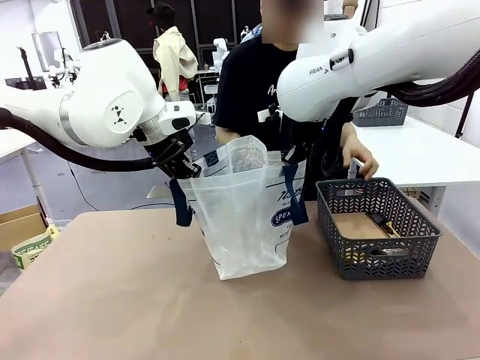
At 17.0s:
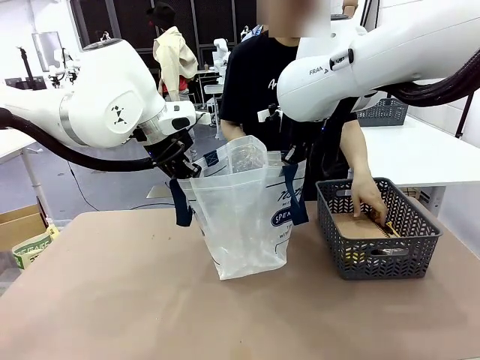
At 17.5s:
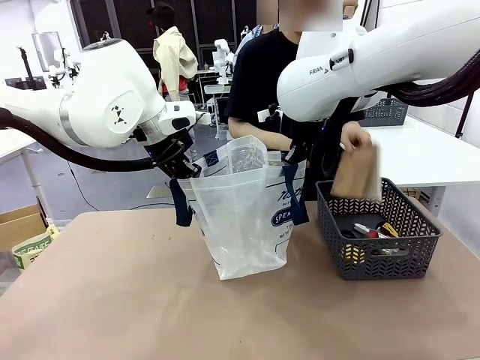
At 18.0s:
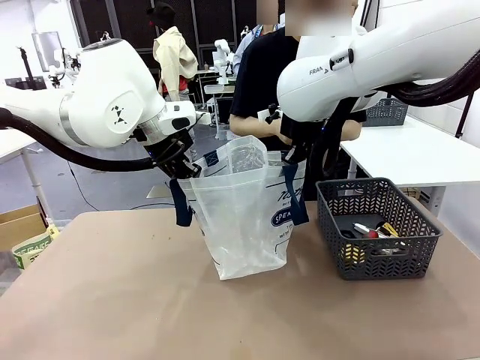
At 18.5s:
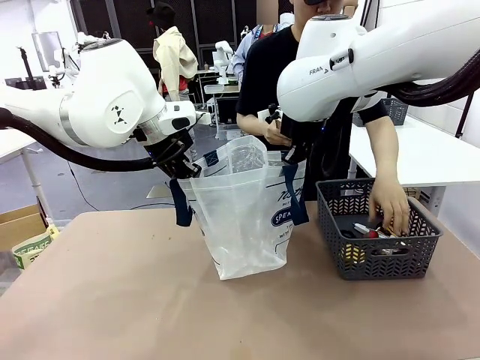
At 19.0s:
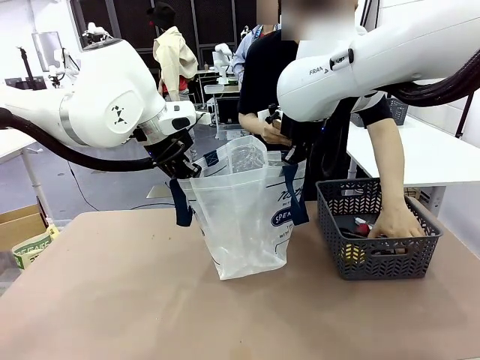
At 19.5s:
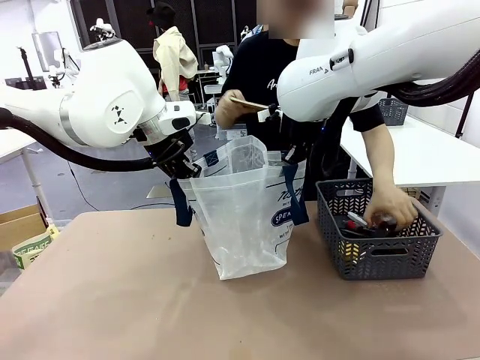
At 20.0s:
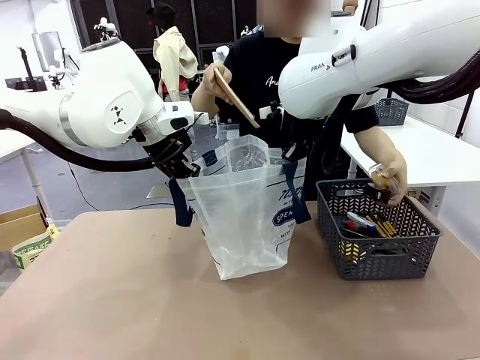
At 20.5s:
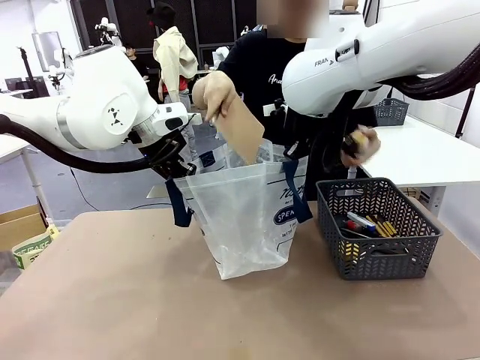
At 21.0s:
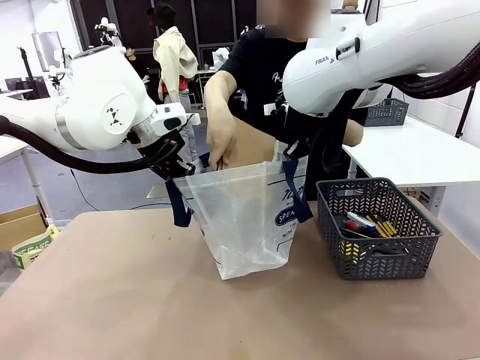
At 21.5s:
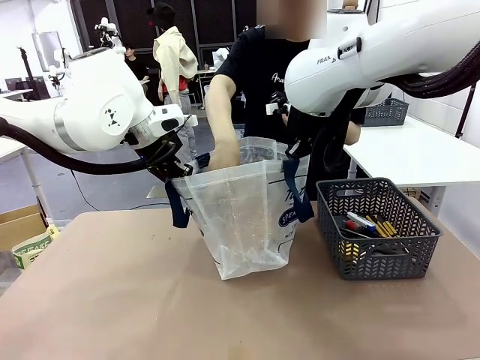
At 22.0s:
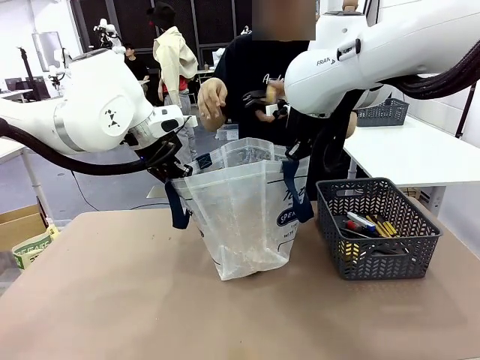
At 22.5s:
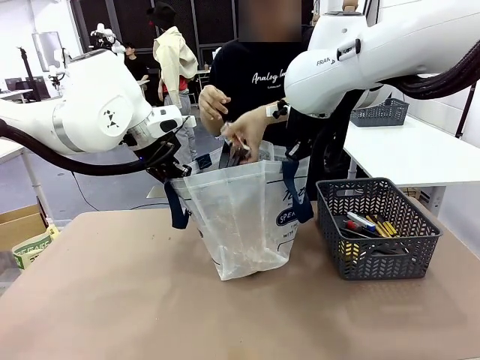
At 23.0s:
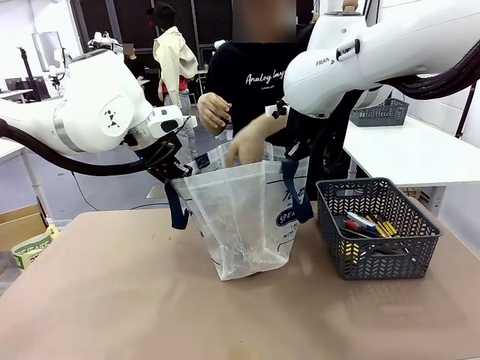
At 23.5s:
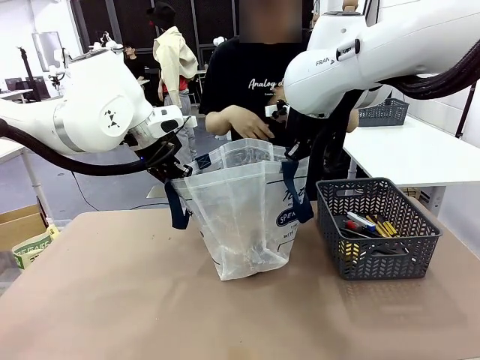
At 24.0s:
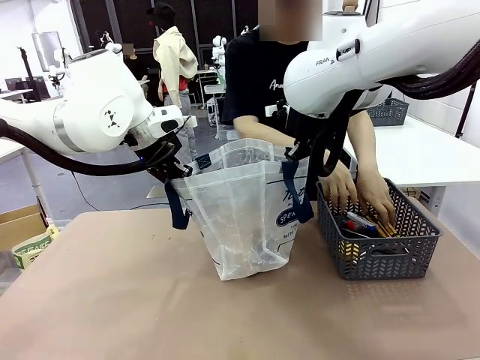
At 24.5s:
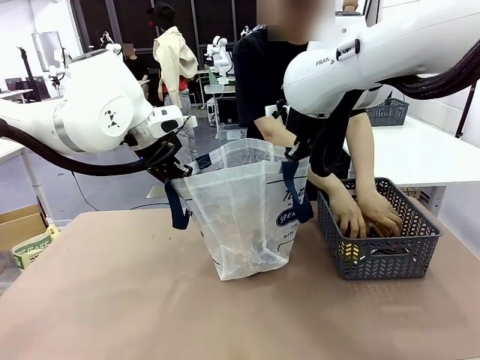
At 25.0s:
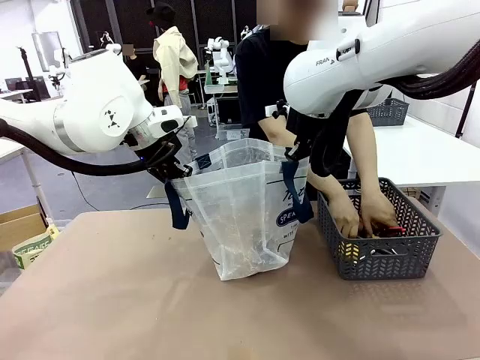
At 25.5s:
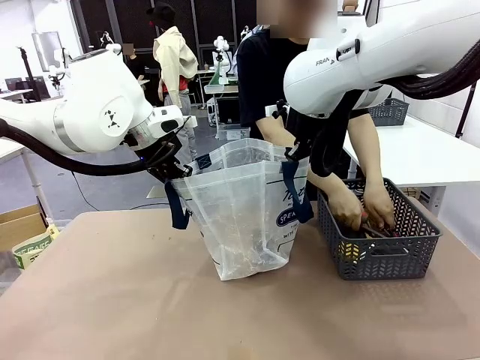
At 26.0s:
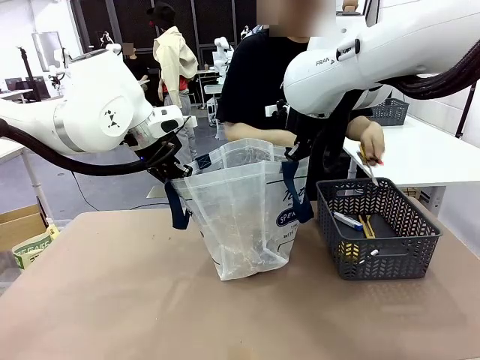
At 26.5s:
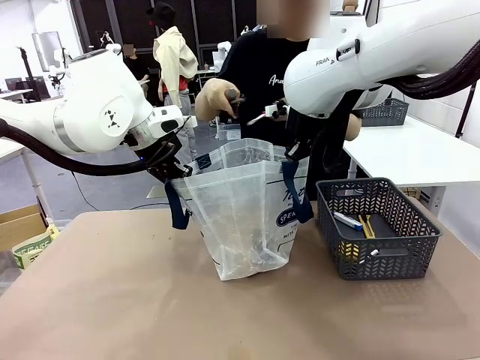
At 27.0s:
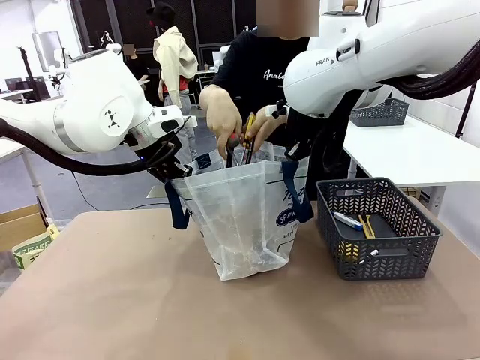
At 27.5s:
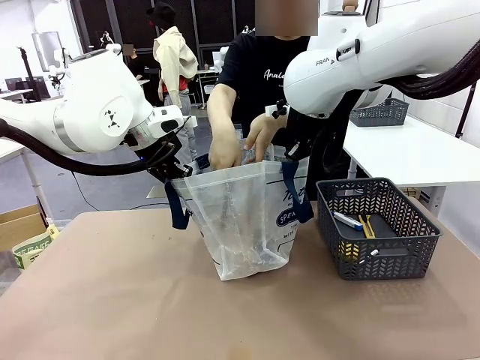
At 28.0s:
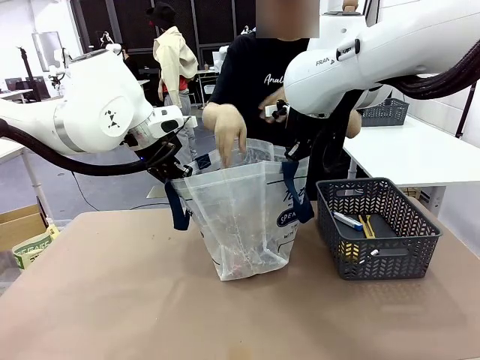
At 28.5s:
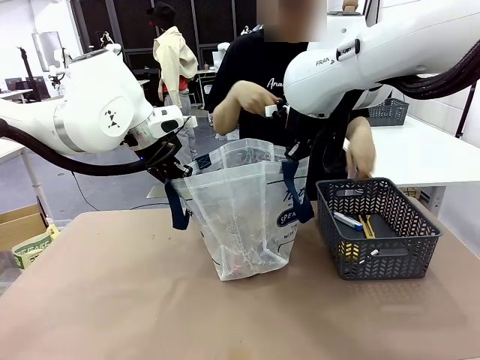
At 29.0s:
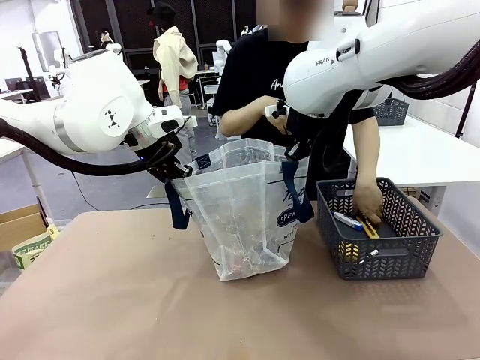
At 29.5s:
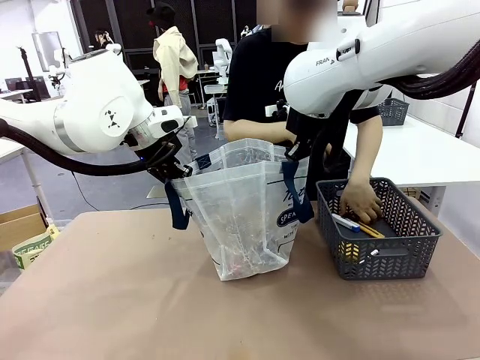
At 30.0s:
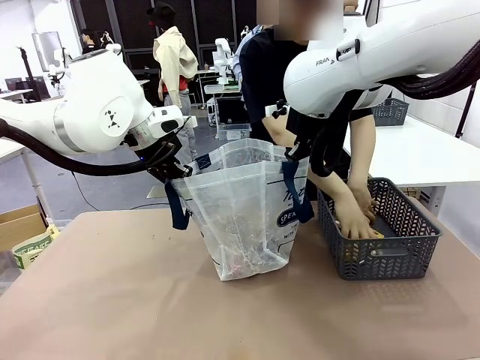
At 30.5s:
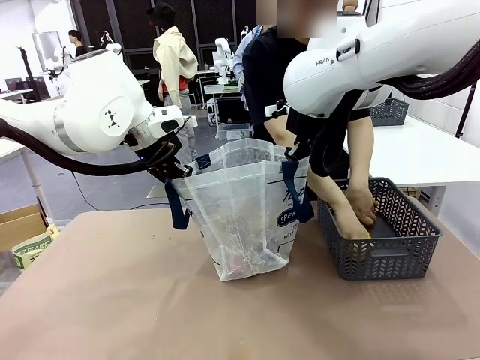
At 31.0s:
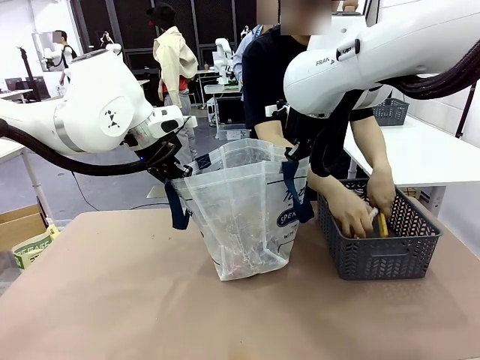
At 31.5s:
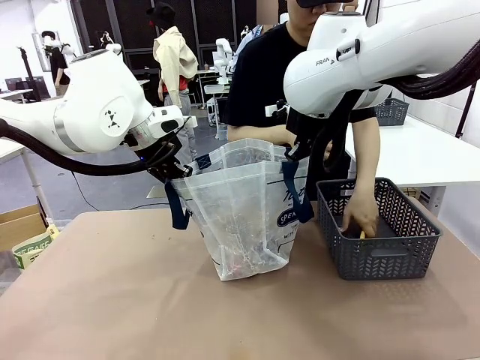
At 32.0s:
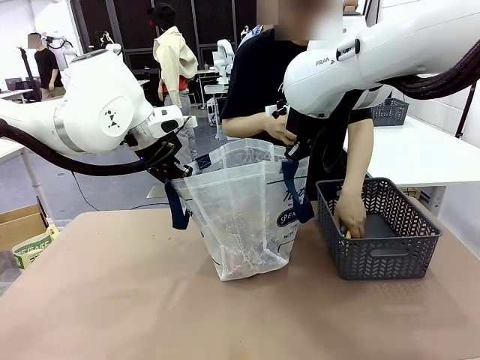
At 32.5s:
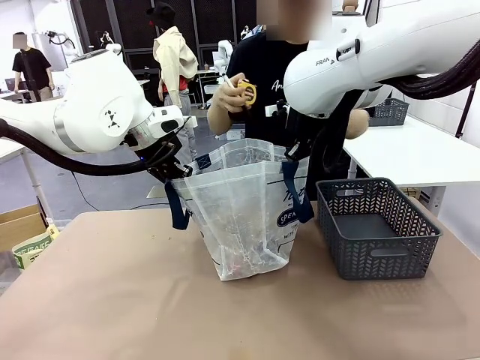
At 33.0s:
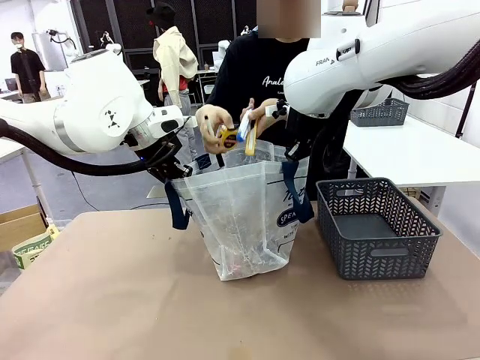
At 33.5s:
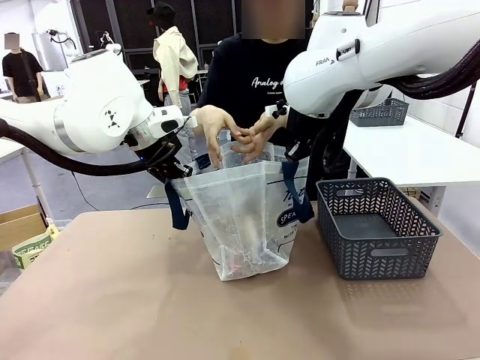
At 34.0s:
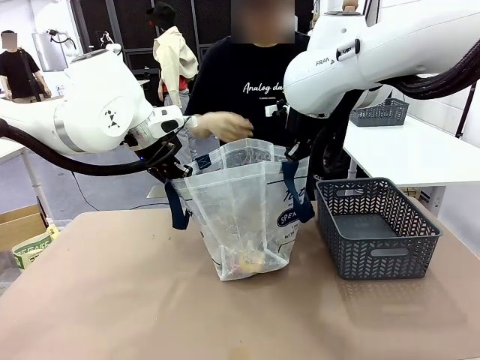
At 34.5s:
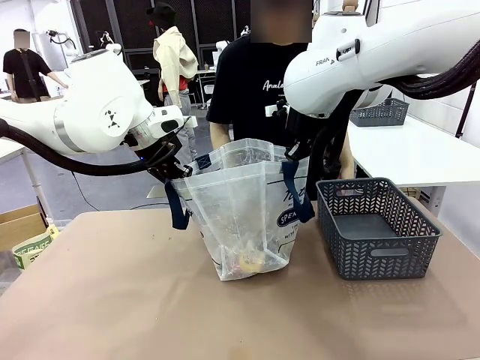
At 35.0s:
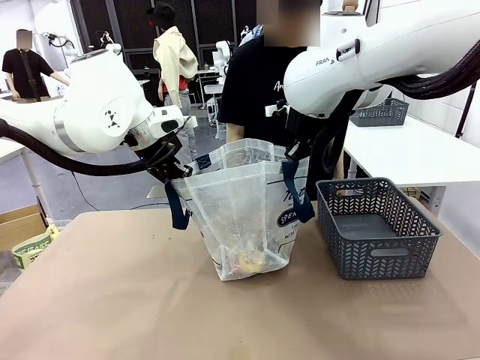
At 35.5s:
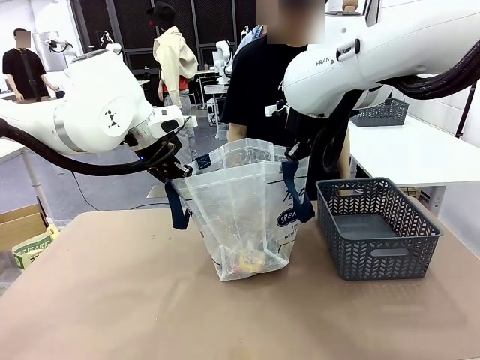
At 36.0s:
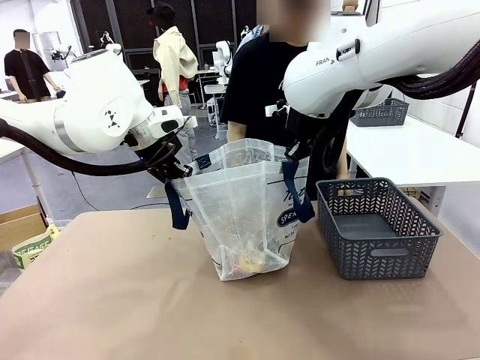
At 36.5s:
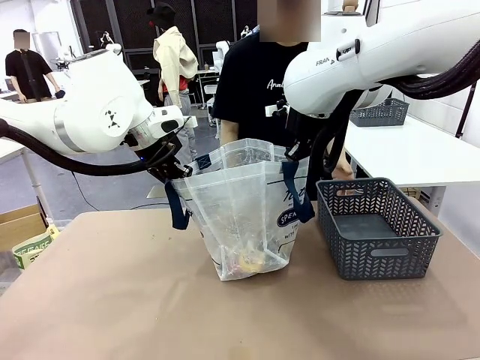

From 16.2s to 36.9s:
Task: Transfer purchased items from the store into the shopping bag.
Robot: Move the Reusable shopping bag to the right side of the table.
Person: Pick up the basket on the right, place it on the left side of the robot table, and move the items in the basket to the shopping bag.
